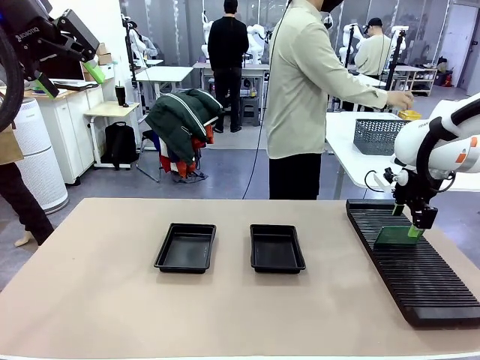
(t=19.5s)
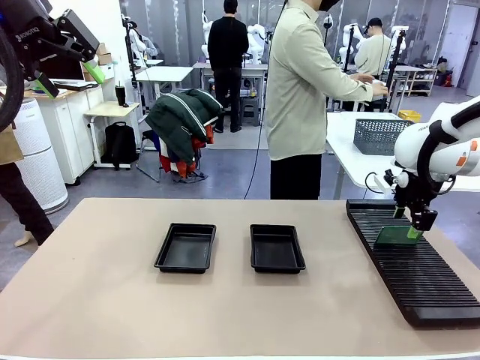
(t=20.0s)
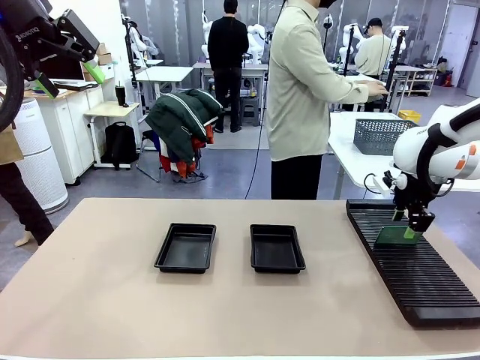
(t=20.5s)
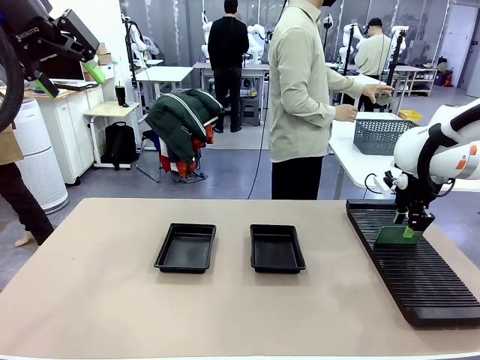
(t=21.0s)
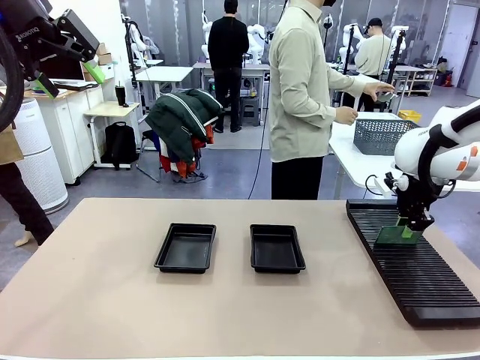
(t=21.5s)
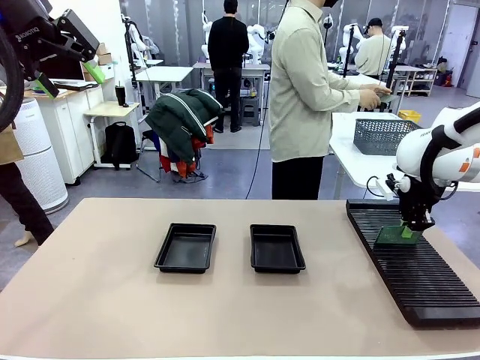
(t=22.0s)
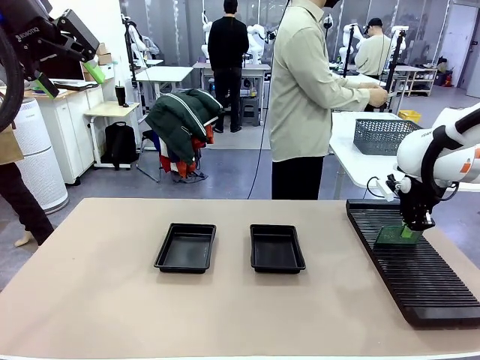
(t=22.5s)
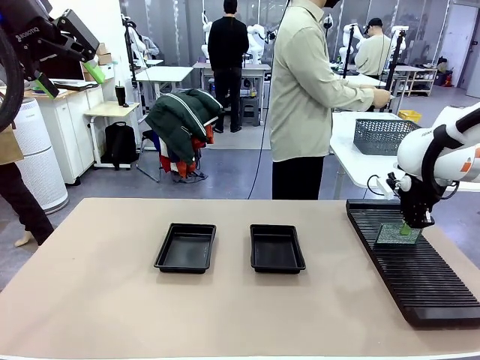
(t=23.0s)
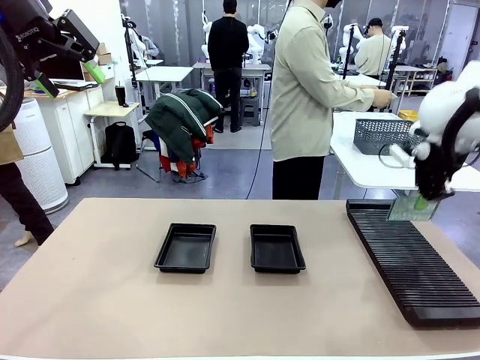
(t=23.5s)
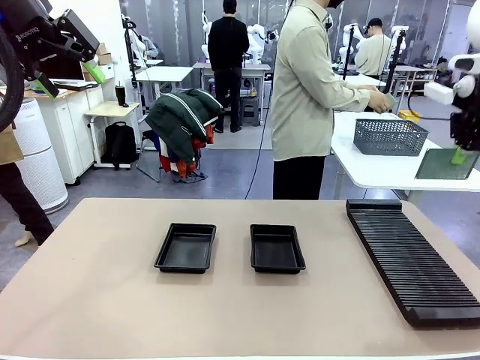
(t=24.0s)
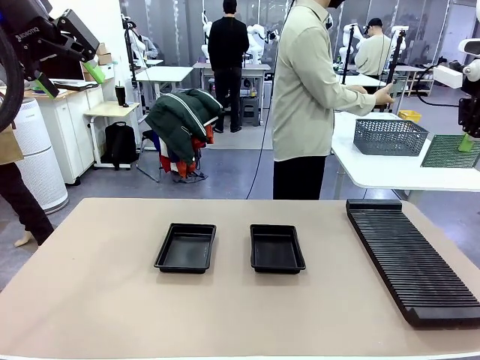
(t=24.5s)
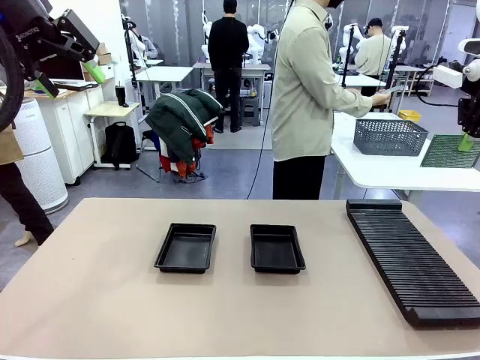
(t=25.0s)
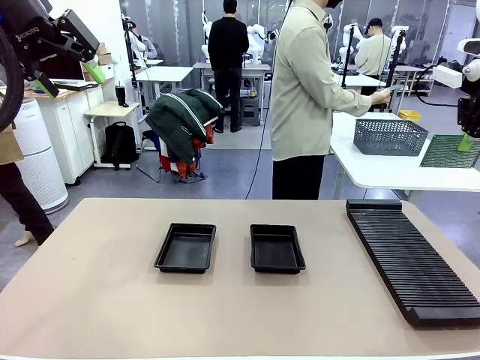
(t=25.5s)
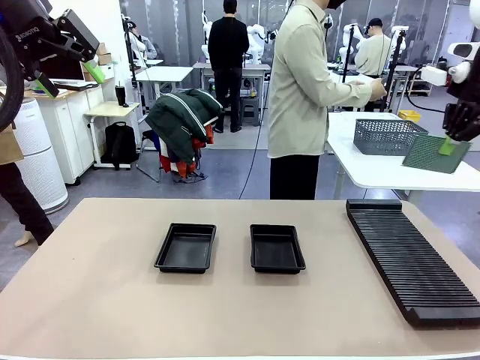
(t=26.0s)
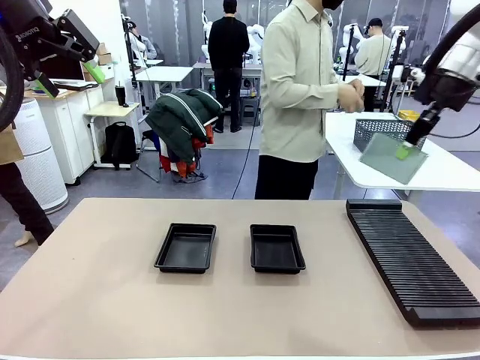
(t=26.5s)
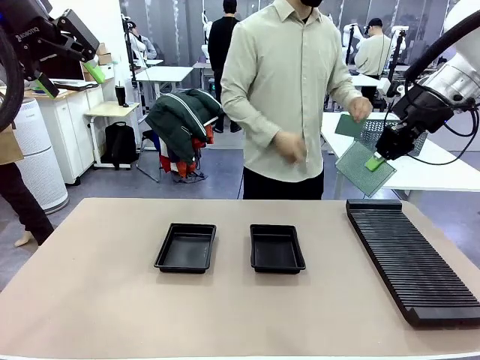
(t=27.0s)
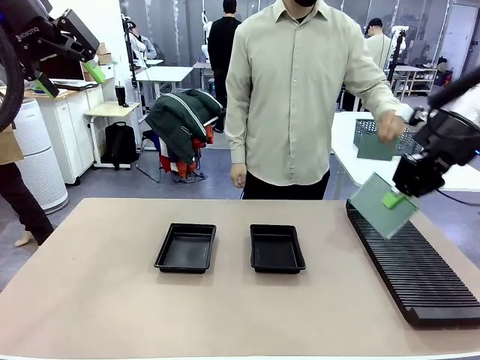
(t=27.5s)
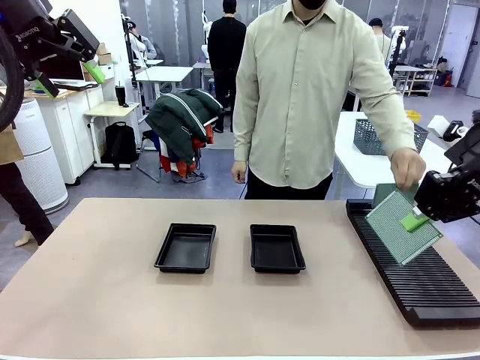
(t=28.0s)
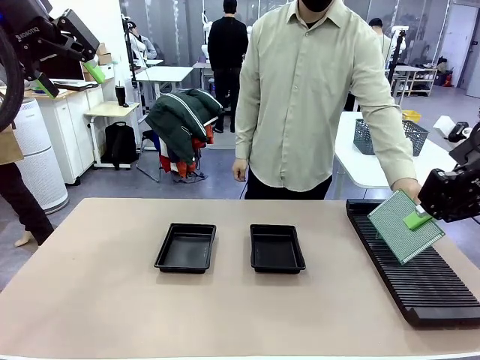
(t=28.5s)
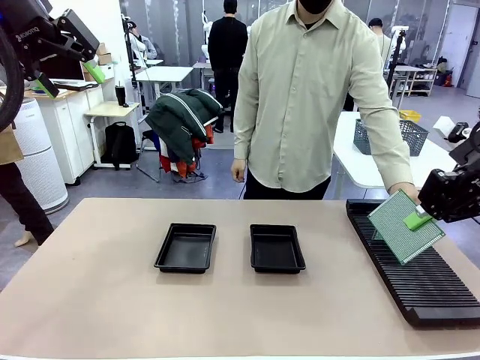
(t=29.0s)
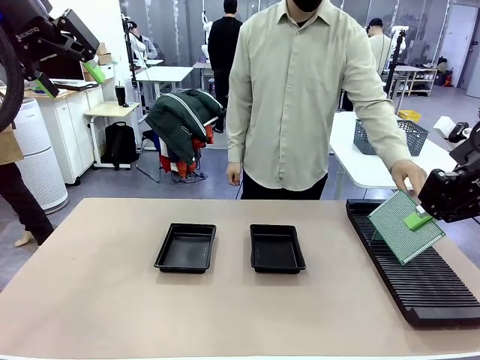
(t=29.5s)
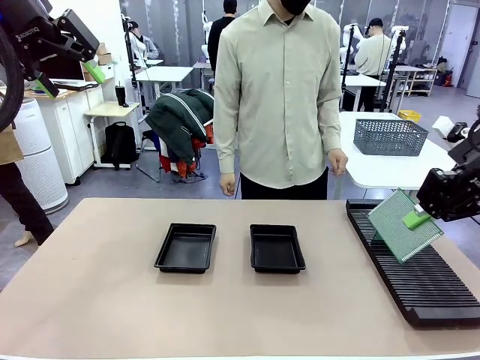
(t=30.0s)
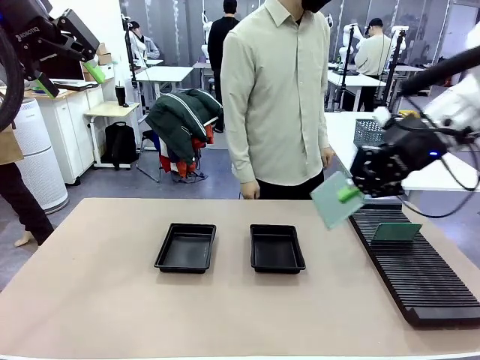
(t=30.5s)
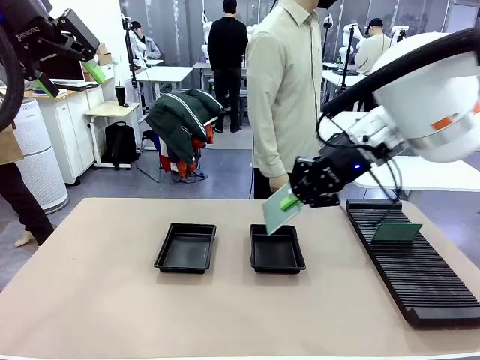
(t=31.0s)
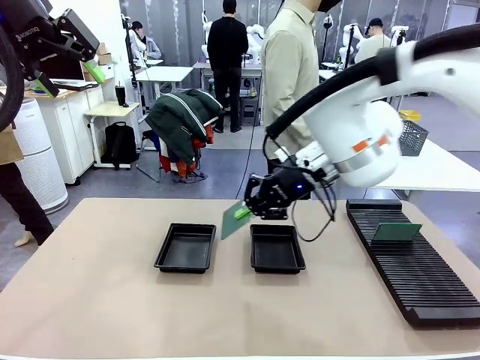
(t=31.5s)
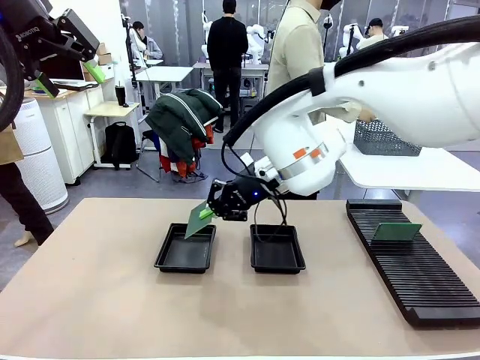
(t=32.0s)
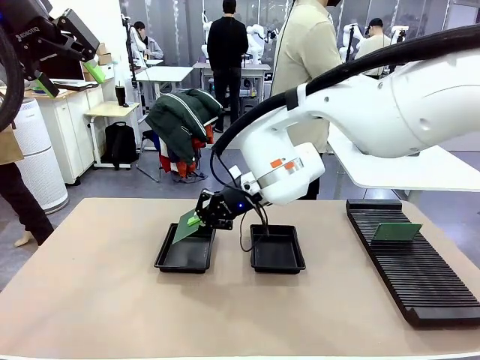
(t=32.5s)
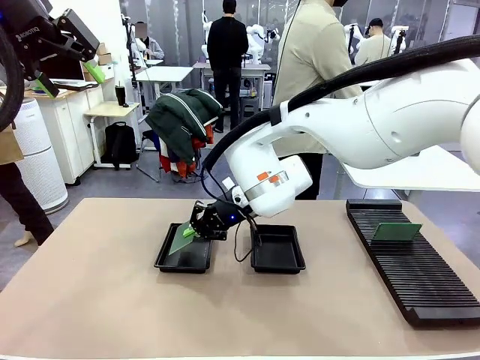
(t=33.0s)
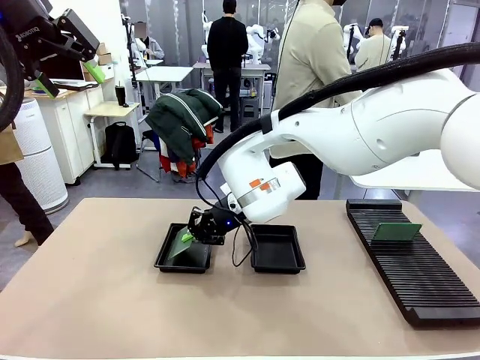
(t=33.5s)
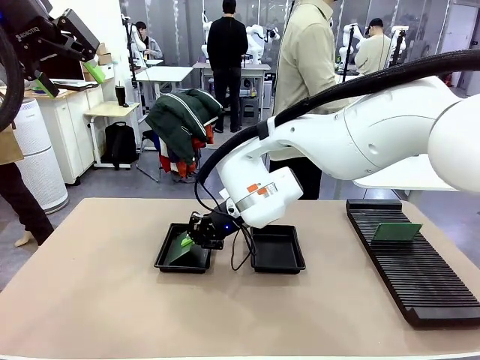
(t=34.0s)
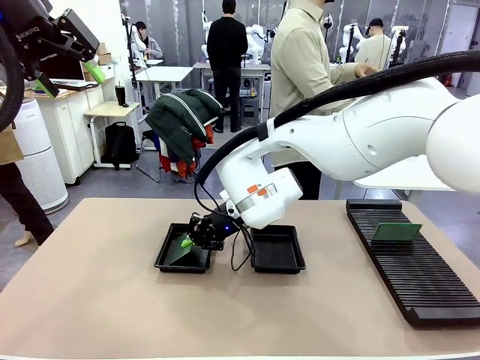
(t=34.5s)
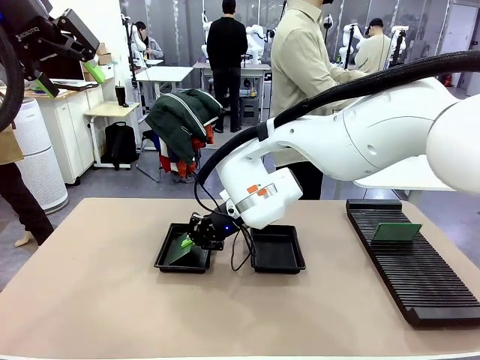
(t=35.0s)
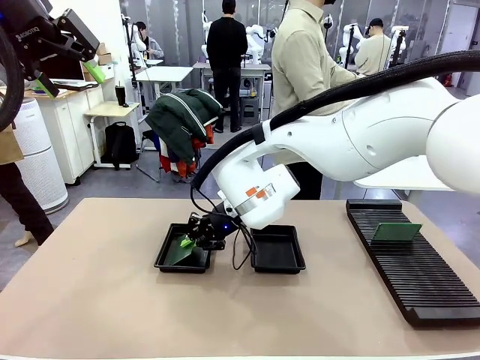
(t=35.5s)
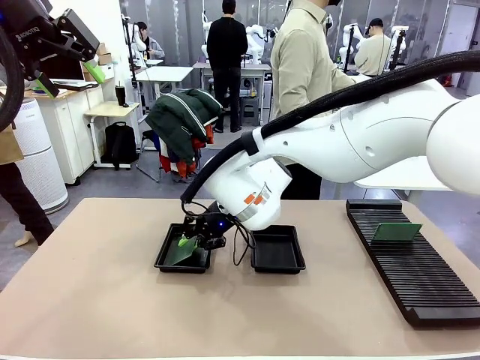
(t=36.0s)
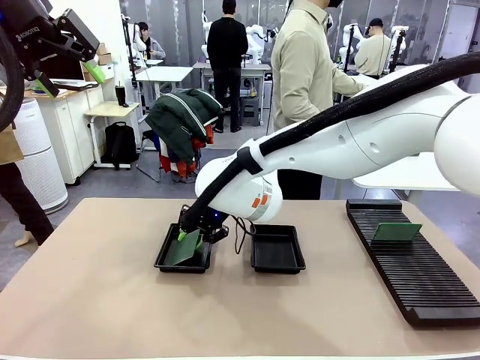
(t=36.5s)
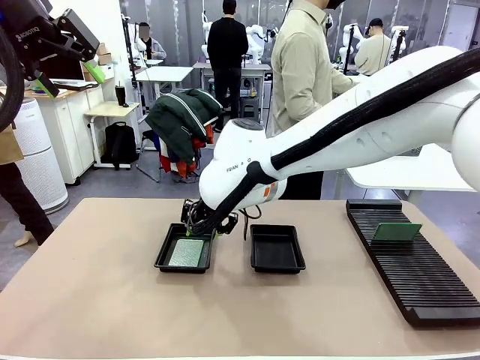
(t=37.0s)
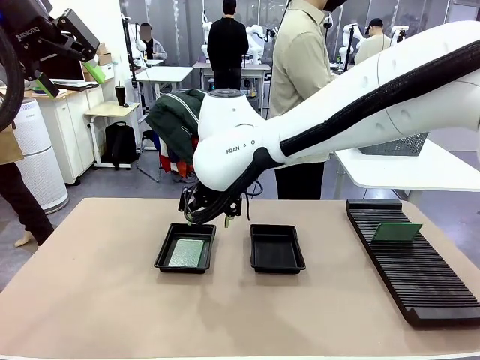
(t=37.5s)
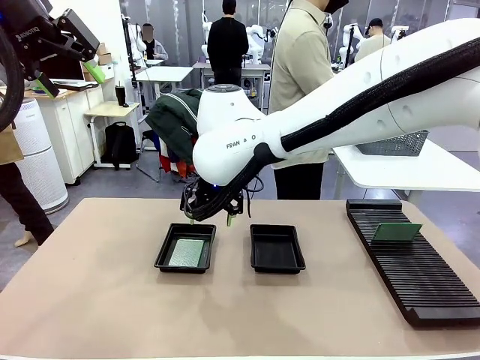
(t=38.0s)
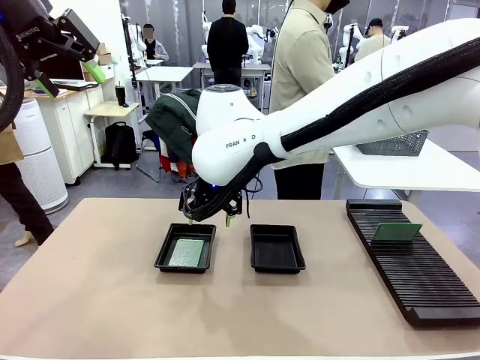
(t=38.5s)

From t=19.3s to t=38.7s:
Task: Inspect and transfer BCBs to ESD trays.
Robot: Pick up the Blank PCB from the PCB Rack and place it in the left ESD tray.

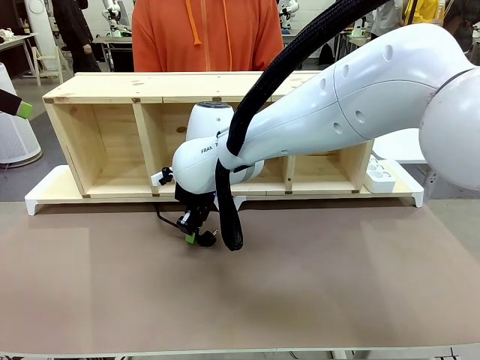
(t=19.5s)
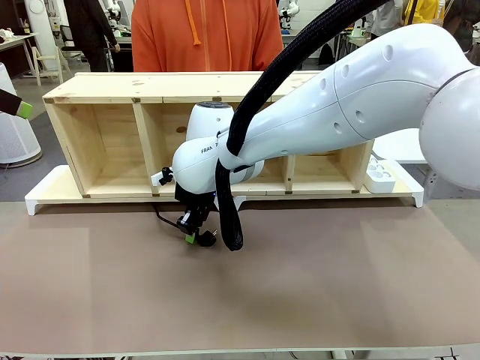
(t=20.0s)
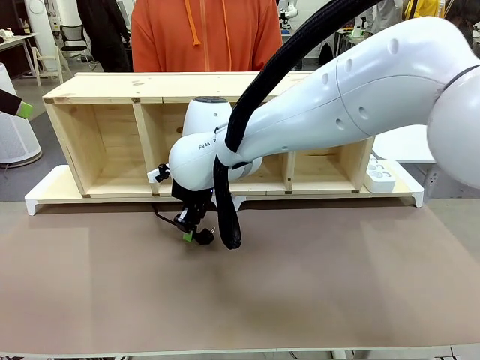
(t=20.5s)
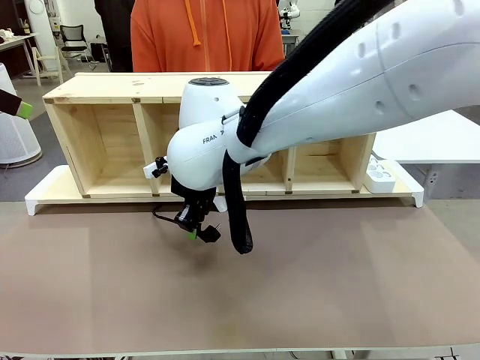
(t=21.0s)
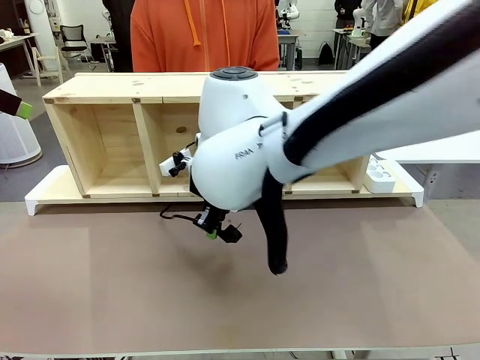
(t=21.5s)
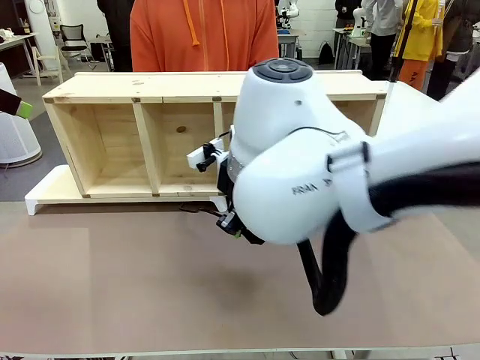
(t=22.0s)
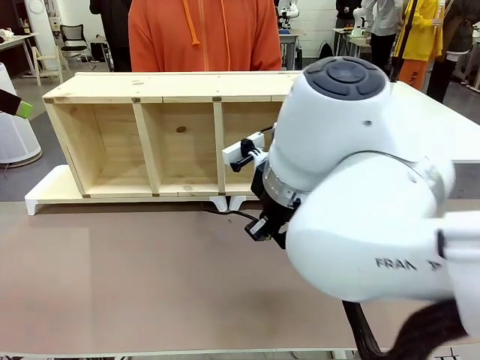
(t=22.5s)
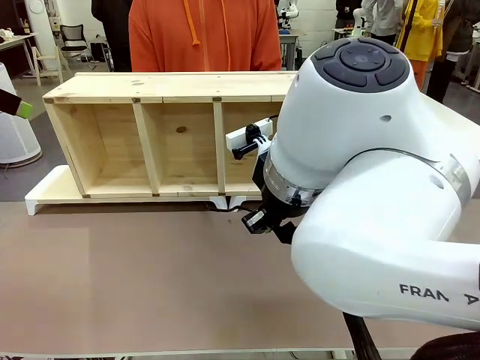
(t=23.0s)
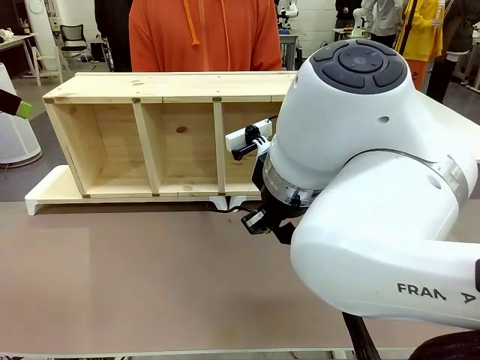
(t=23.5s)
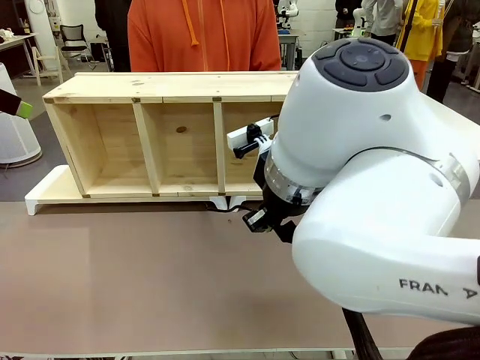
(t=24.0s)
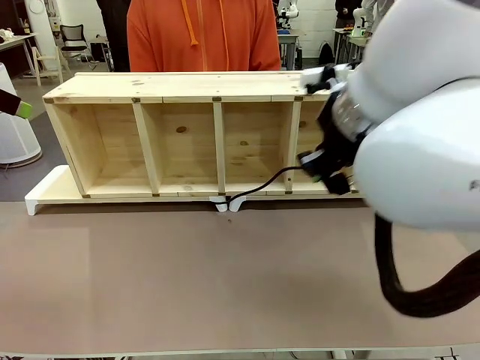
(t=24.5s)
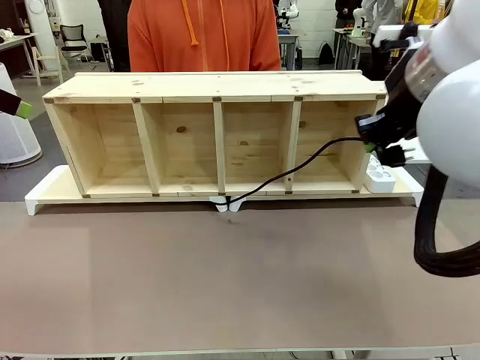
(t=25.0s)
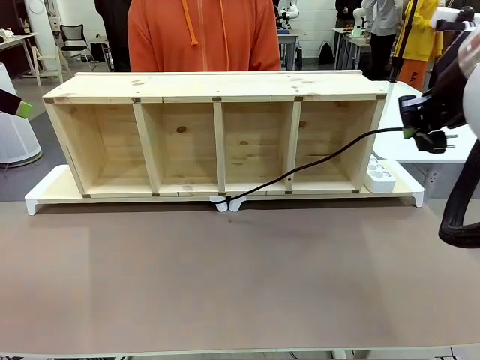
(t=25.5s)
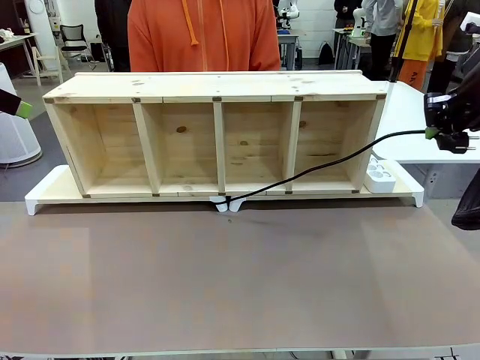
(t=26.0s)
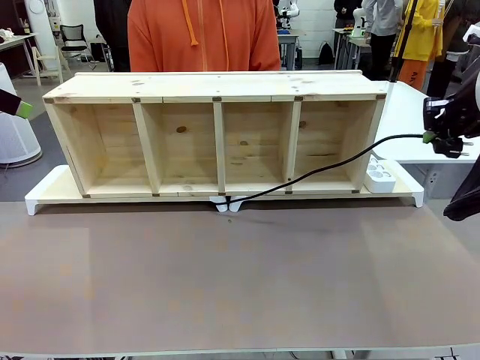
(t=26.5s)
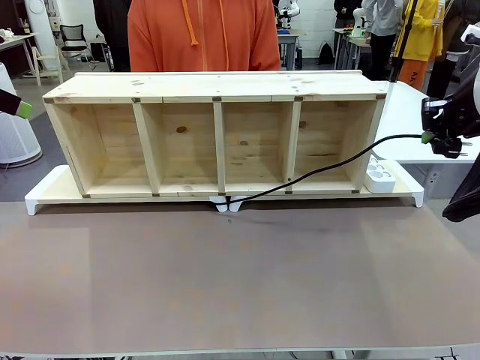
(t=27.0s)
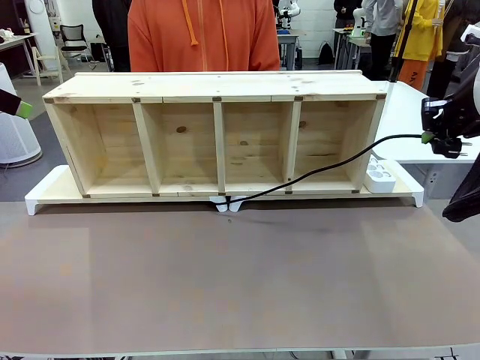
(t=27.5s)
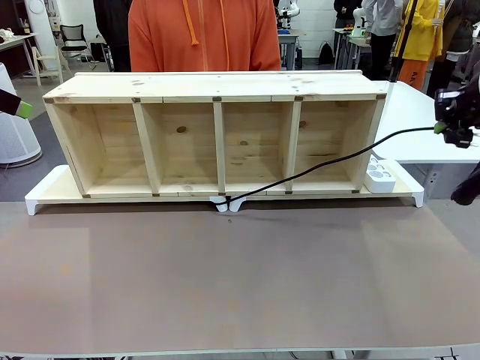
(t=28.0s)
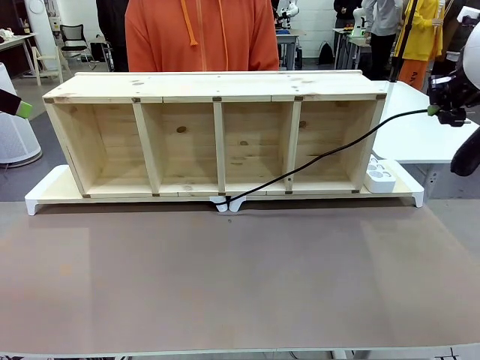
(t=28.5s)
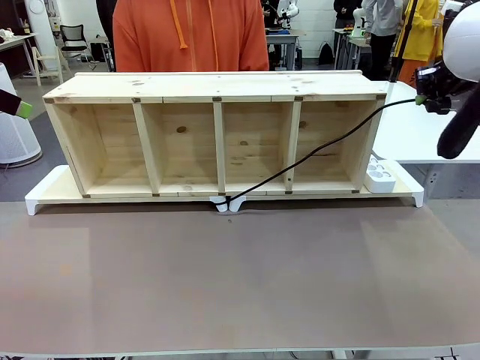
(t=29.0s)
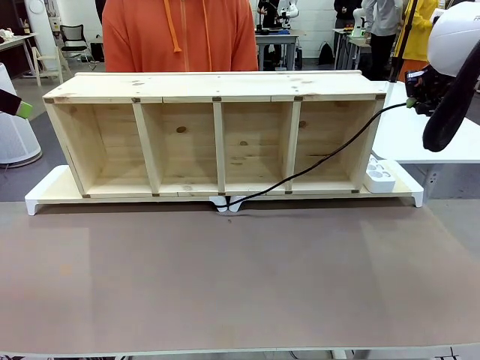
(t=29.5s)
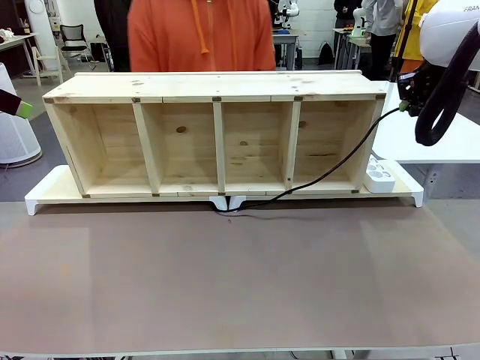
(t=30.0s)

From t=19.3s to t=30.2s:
Task: Perform cable management.
Robot: Pull the grasped Power Cable to the location of the Power Strip.
